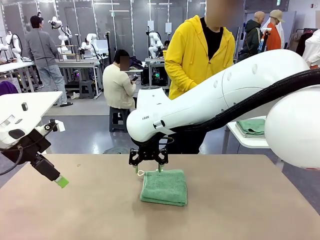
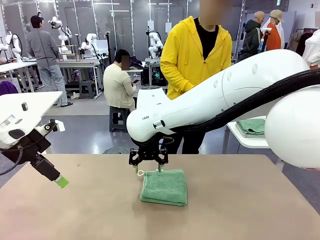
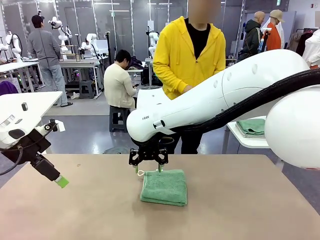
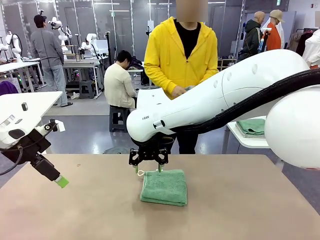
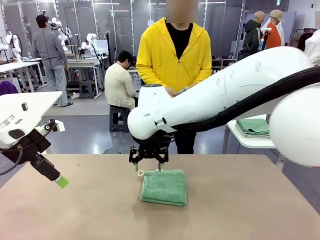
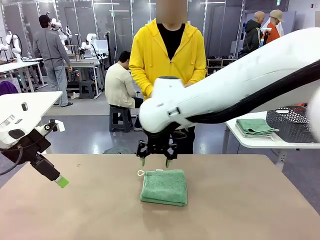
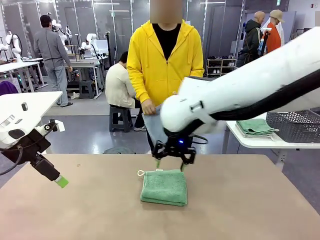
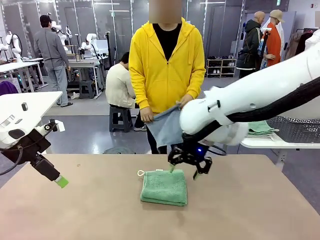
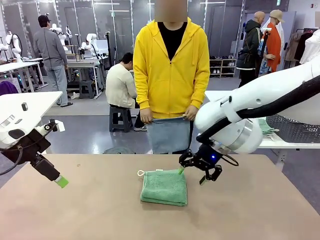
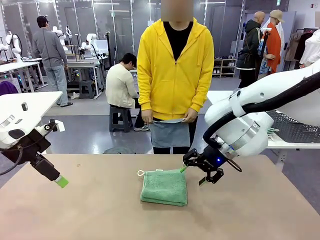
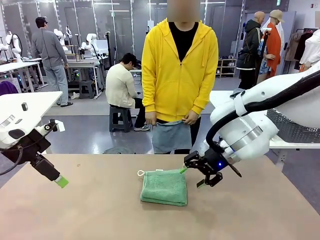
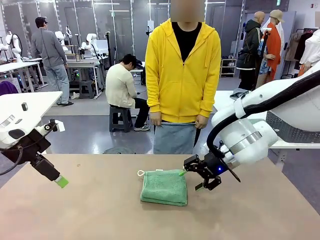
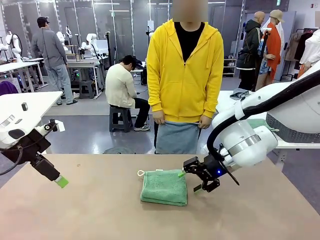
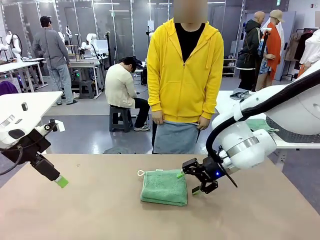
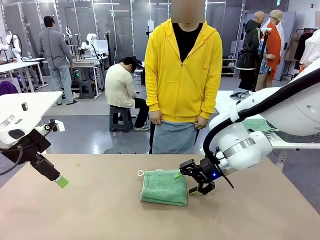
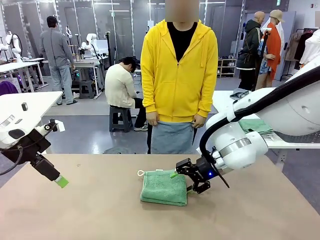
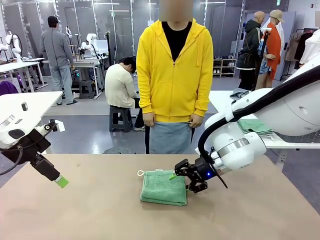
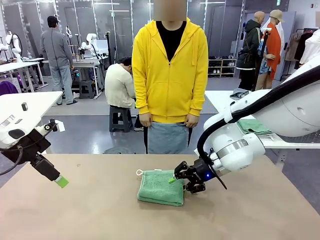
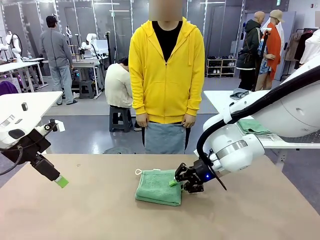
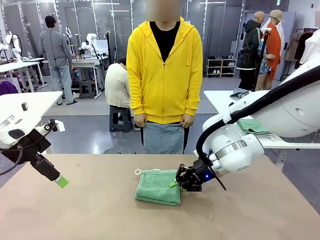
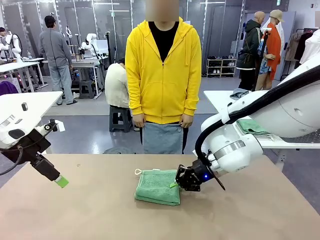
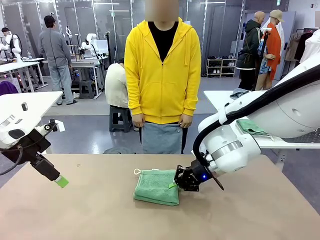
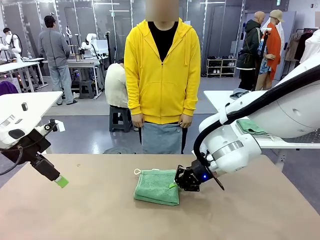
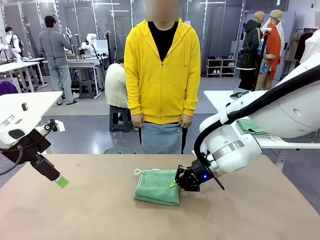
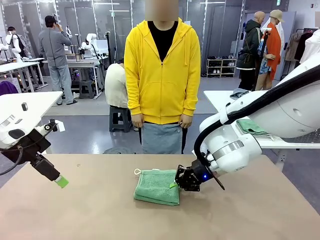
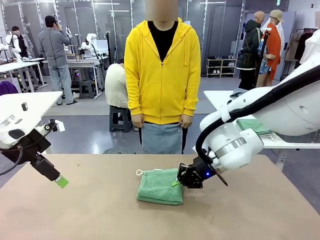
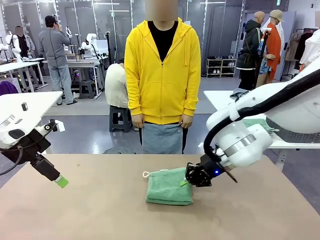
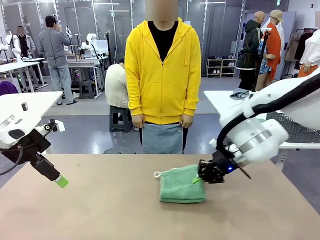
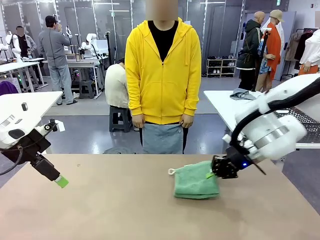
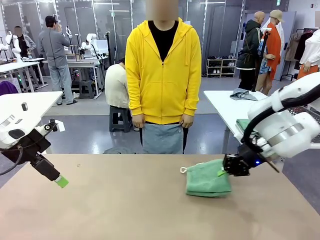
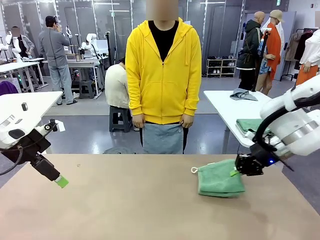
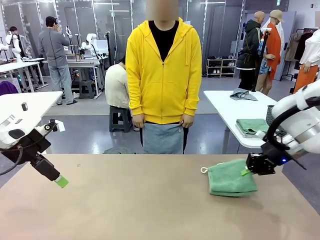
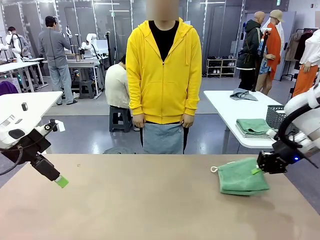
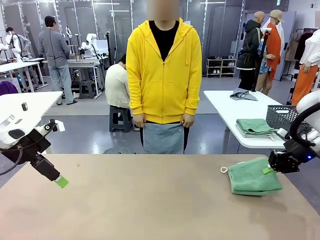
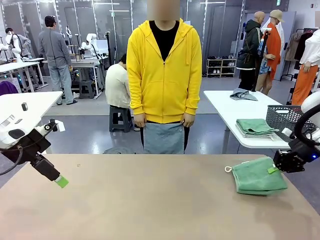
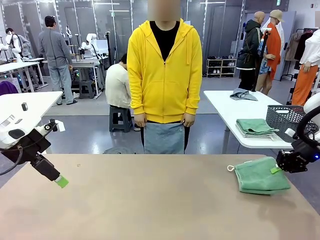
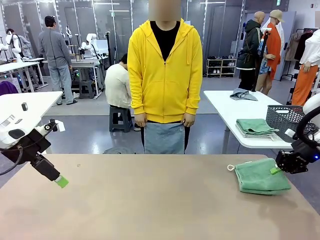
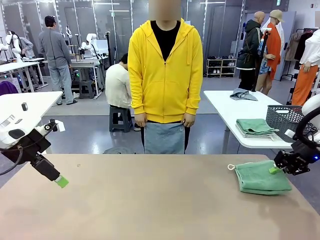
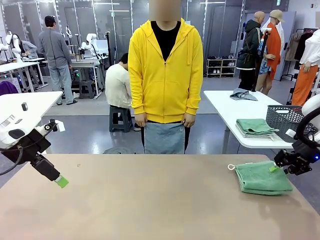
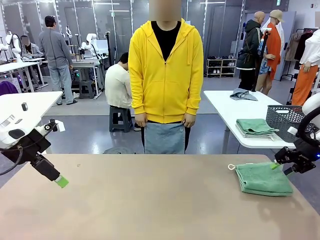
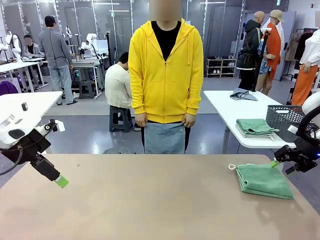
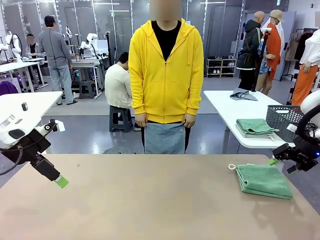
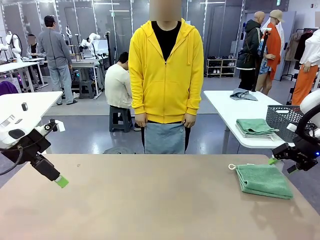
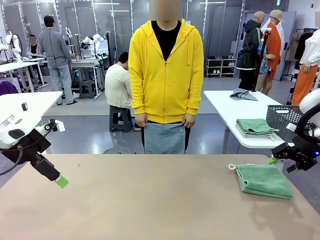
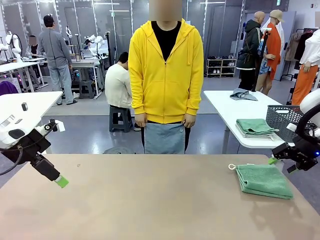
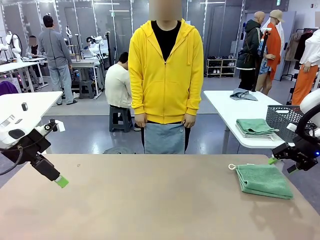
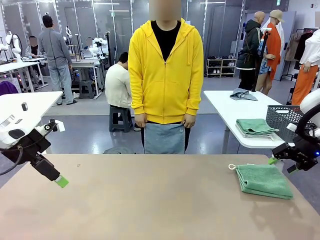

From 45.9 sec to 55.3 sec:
Task: Fold the towels and place them in the basket.
Robot: Place the folded Towel with hook on the right side of the table.

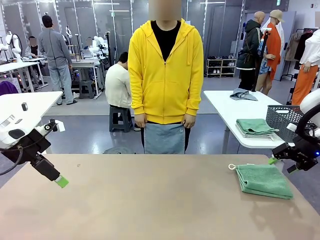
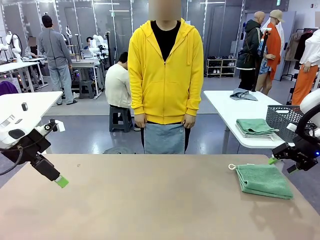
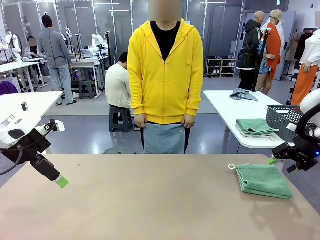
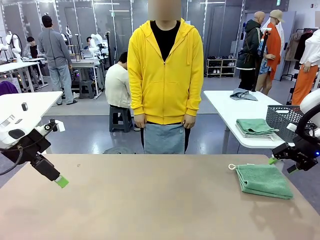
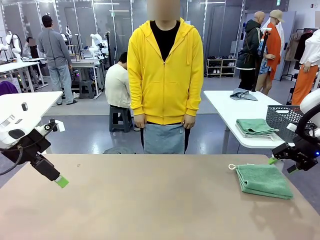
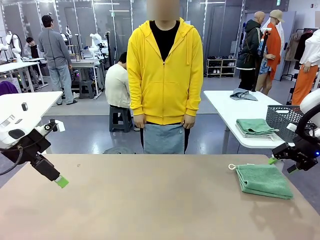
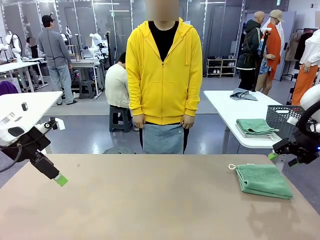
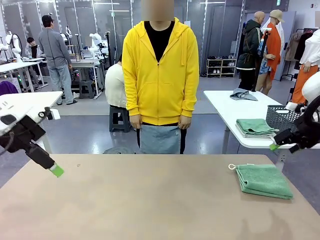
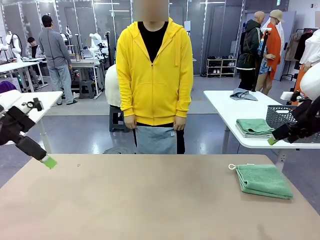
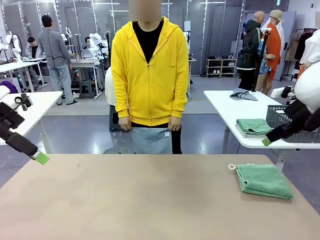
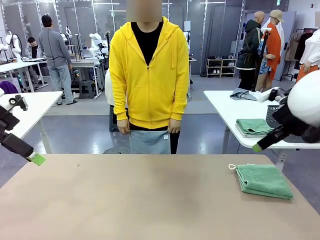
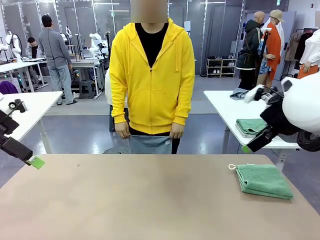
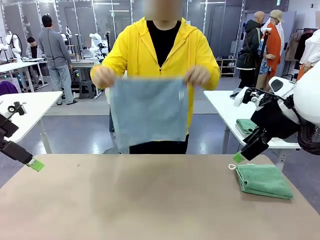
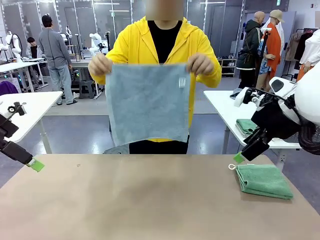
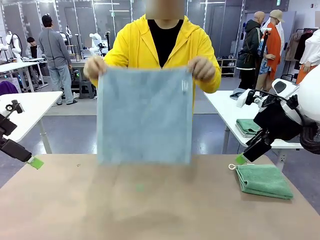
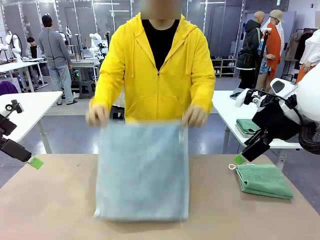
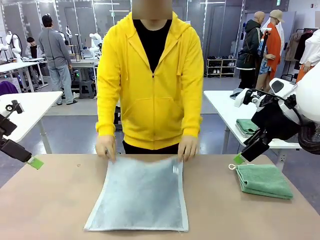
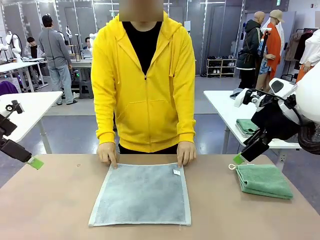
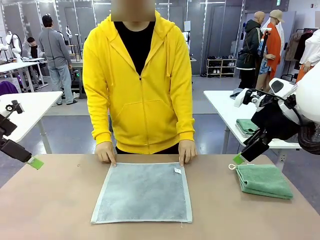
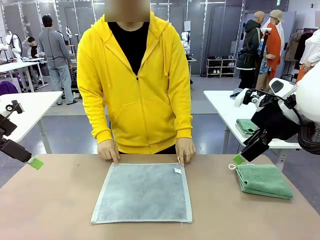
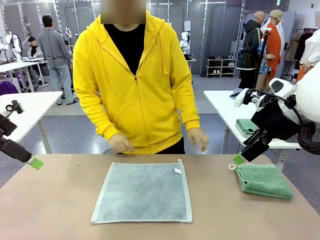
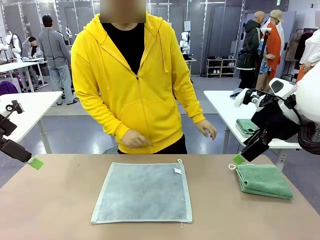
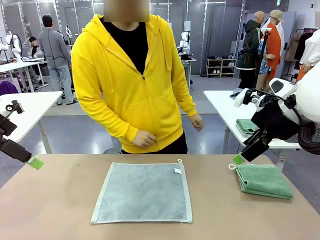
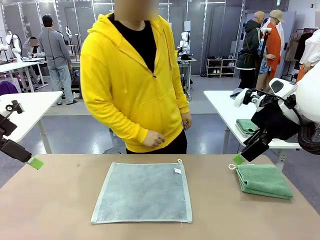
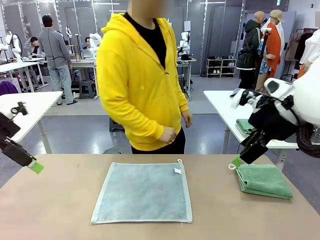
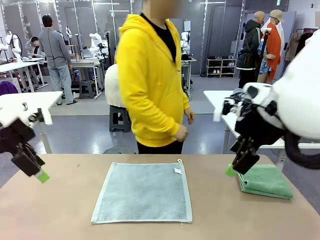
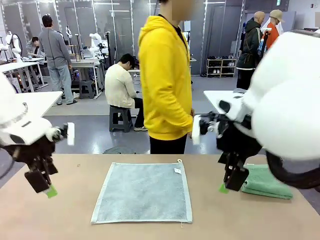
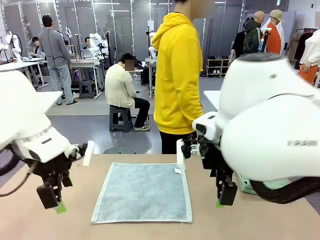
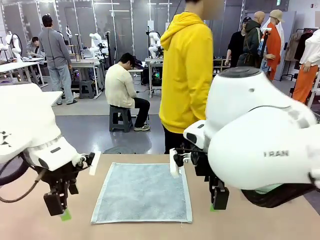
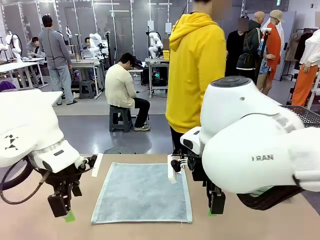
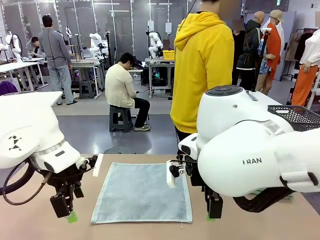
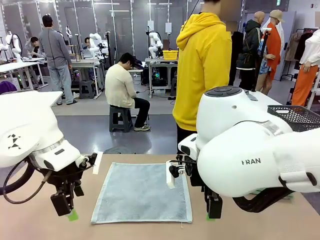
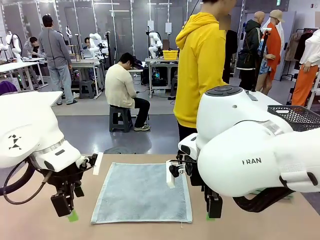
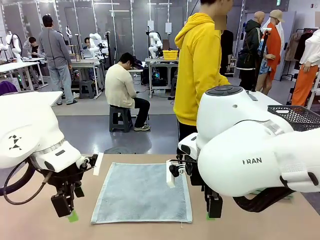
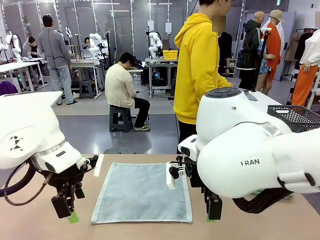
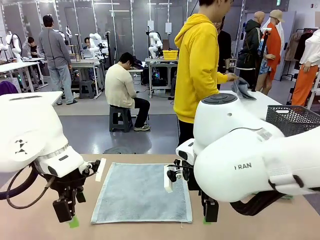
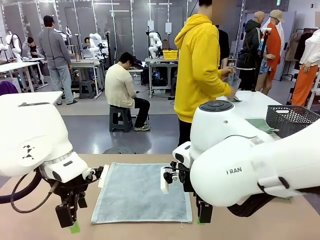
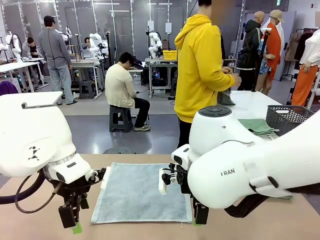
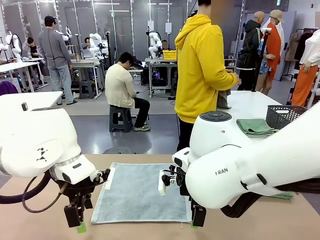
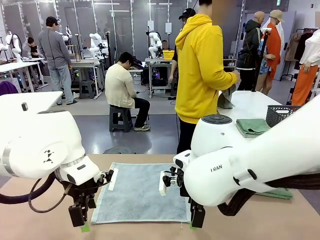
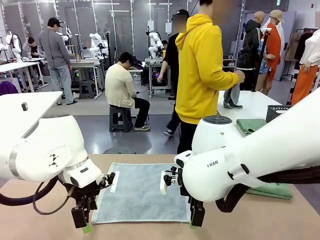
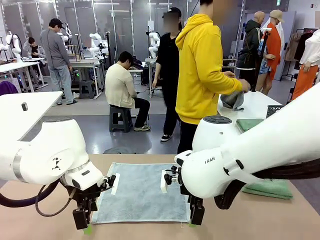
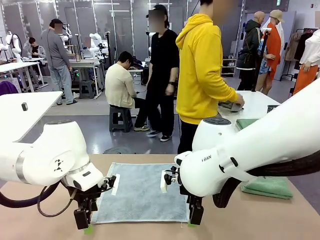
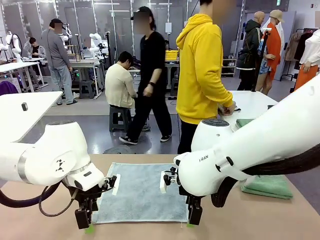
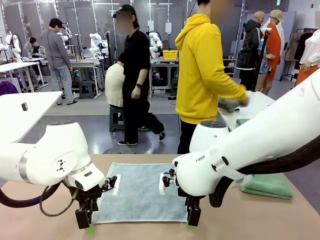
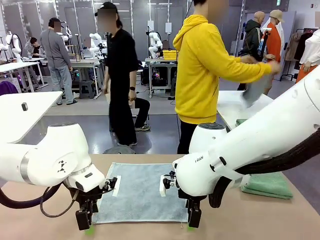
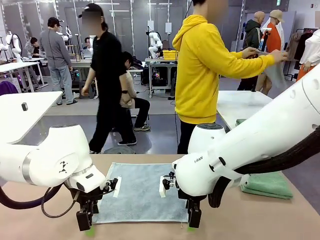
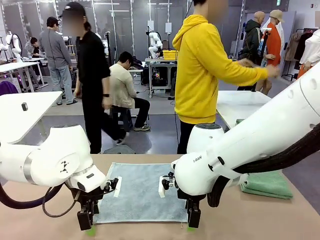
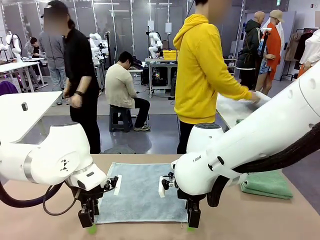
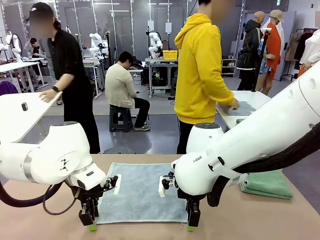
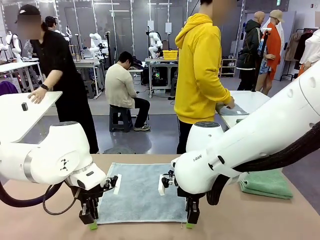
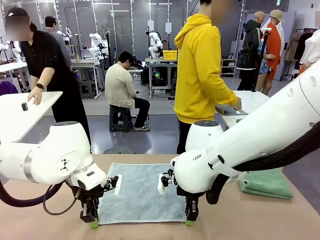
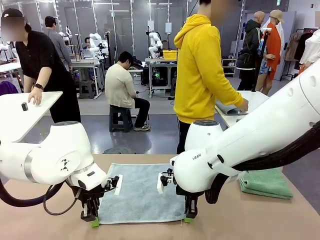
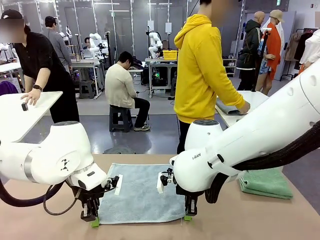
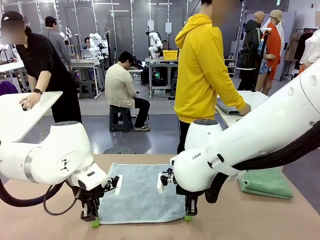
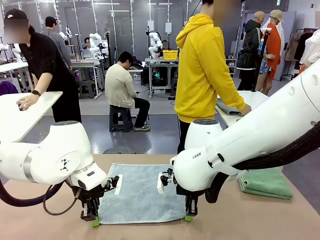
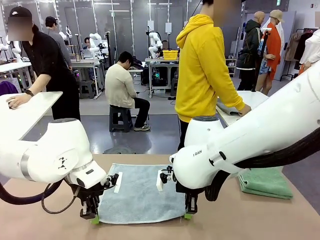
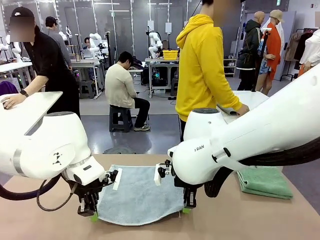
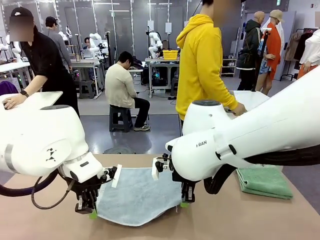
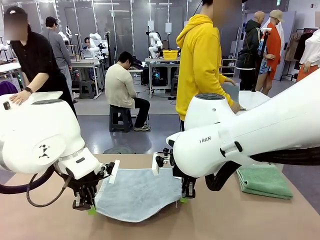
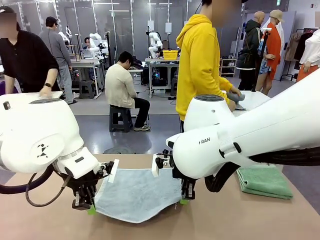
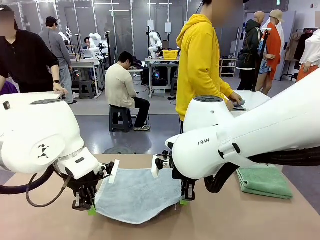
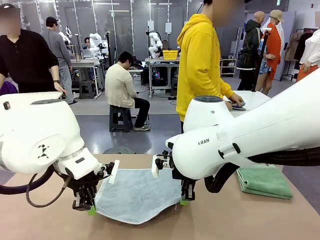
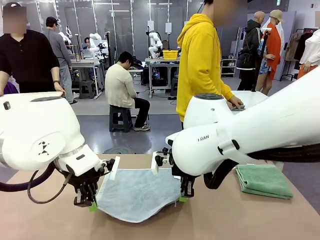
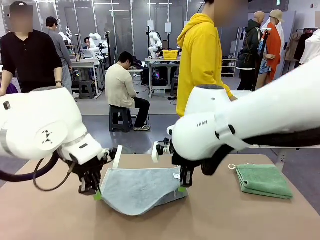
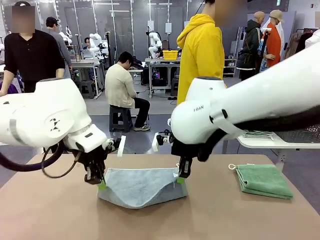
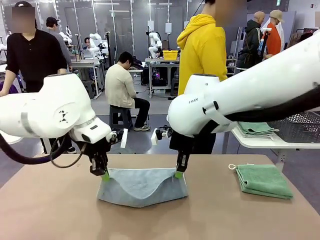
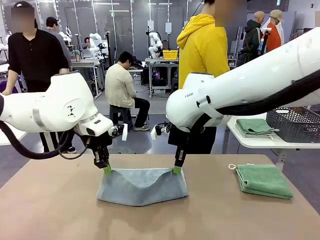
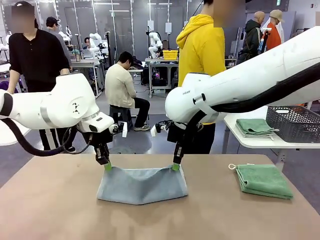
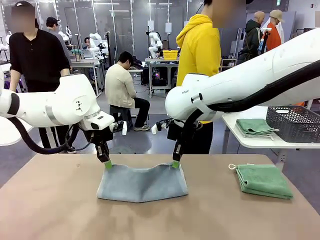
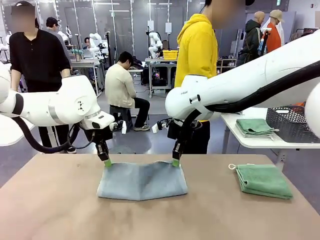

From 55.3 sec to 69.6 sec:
Robot: When a person lays out a Towel with hook on the table, fold it in half twice.
Person: Pick up one towel from the left side of the human table, fold it in half twice, and stack it on the right side of the table.
